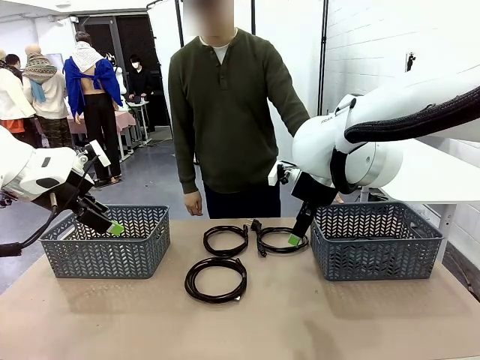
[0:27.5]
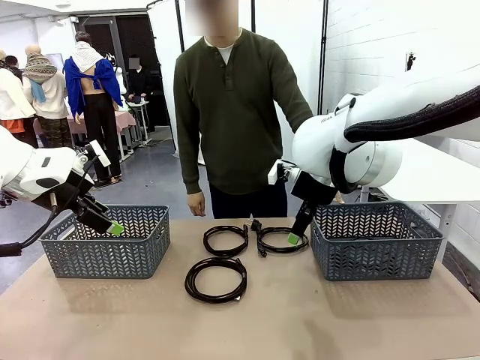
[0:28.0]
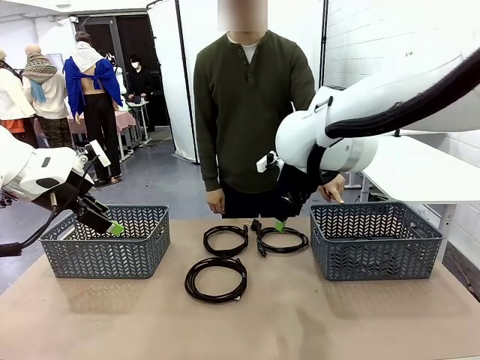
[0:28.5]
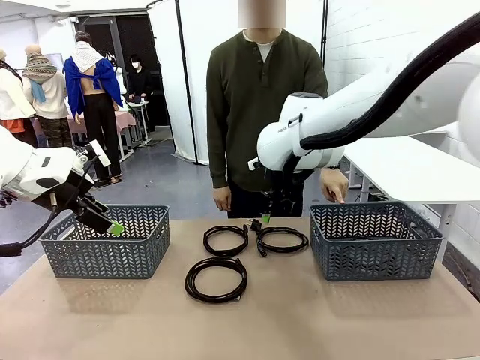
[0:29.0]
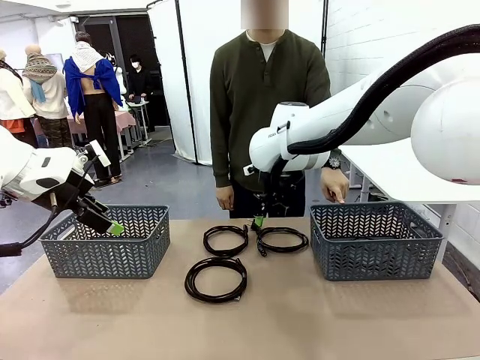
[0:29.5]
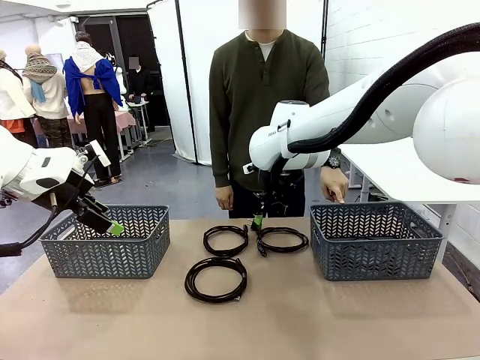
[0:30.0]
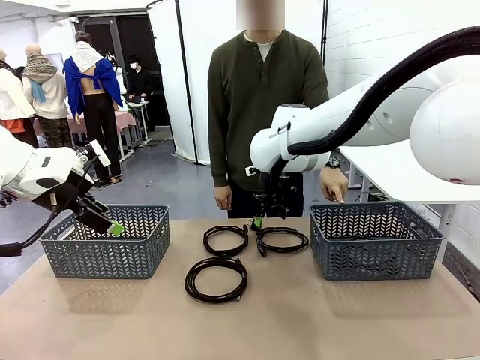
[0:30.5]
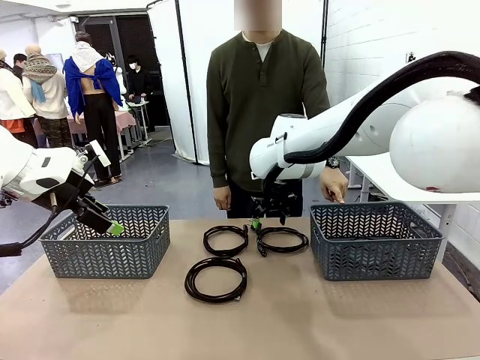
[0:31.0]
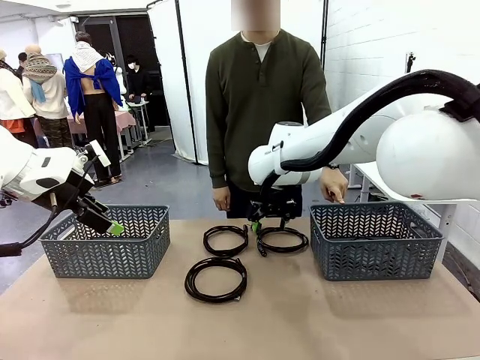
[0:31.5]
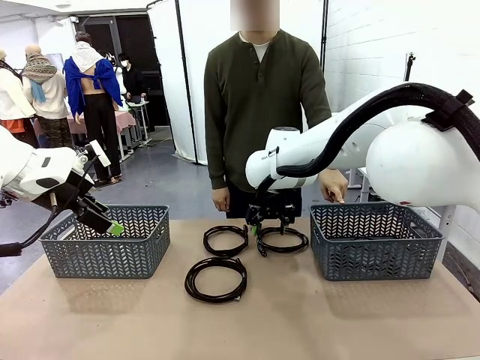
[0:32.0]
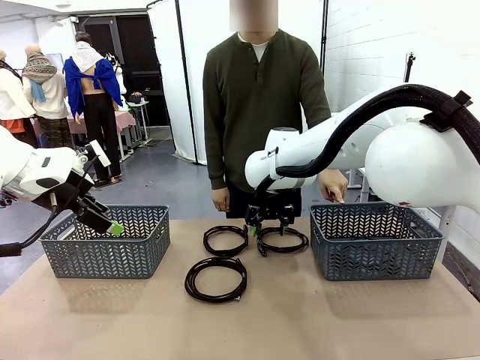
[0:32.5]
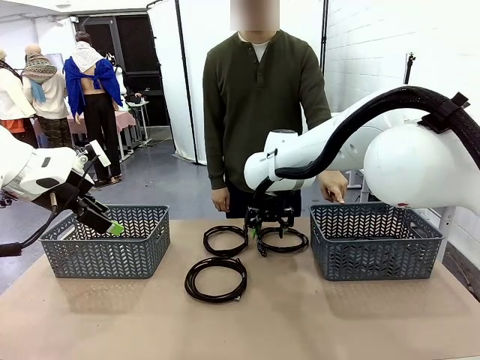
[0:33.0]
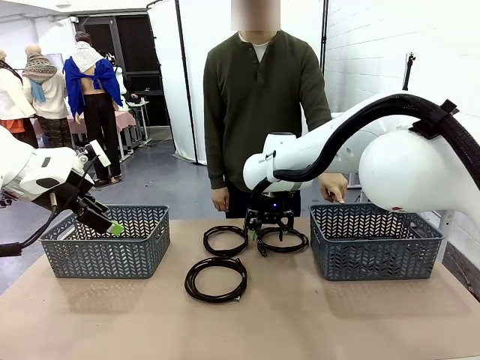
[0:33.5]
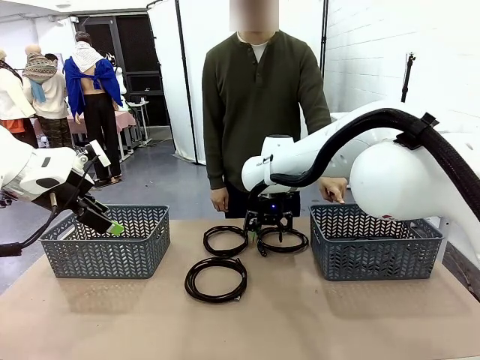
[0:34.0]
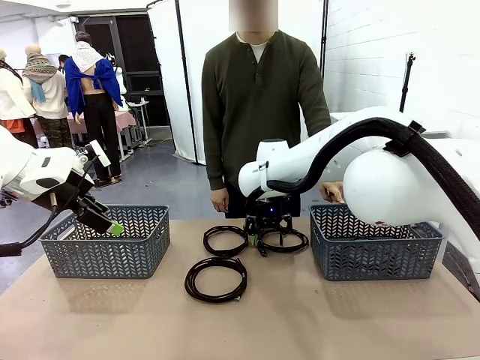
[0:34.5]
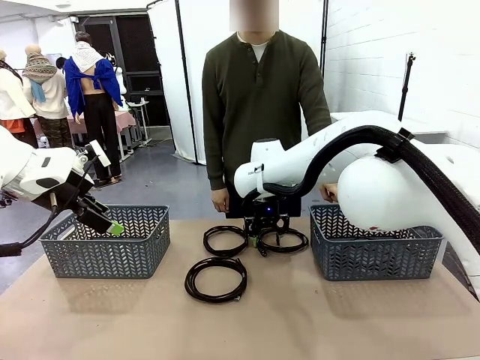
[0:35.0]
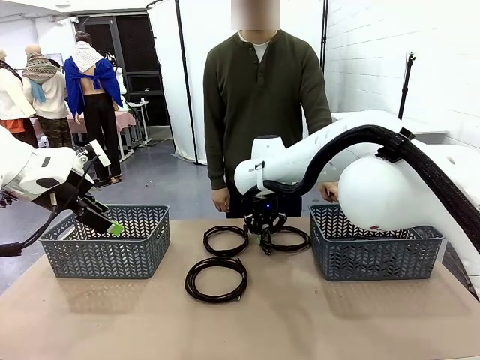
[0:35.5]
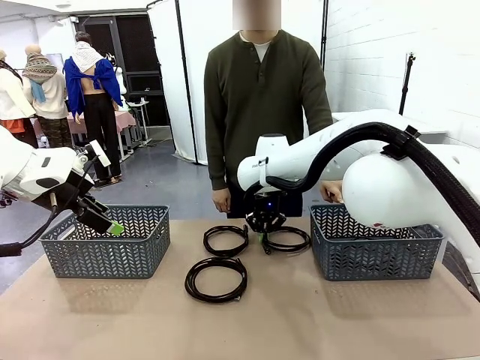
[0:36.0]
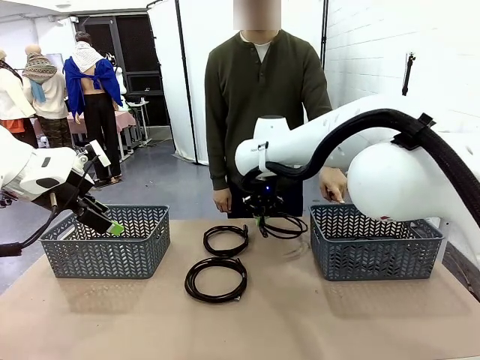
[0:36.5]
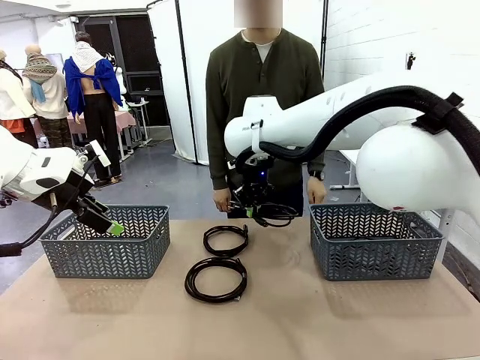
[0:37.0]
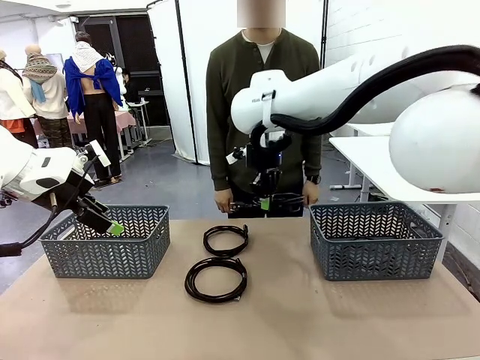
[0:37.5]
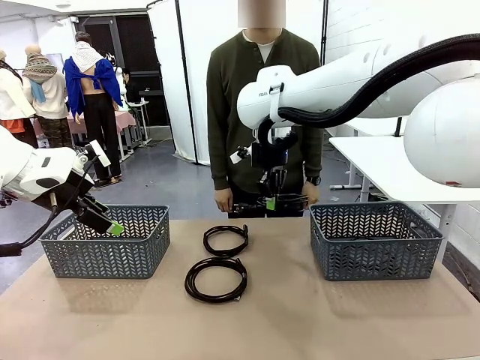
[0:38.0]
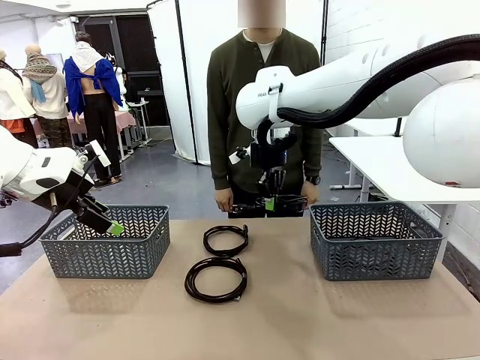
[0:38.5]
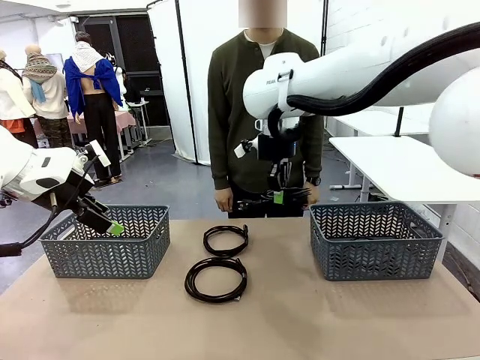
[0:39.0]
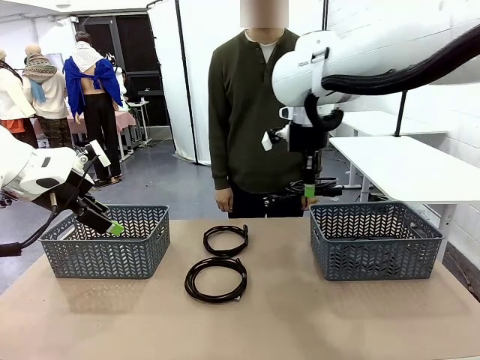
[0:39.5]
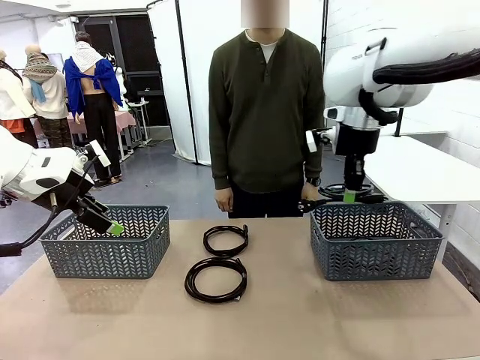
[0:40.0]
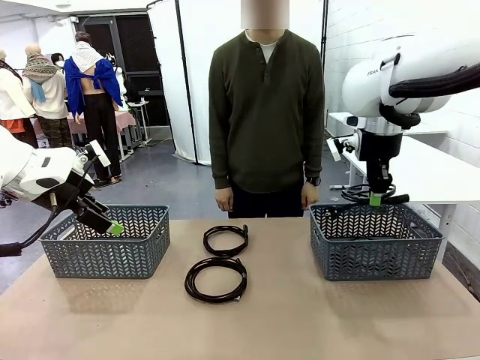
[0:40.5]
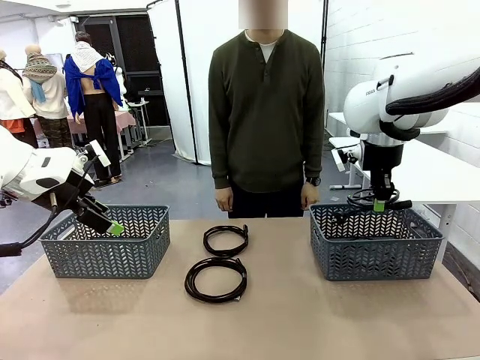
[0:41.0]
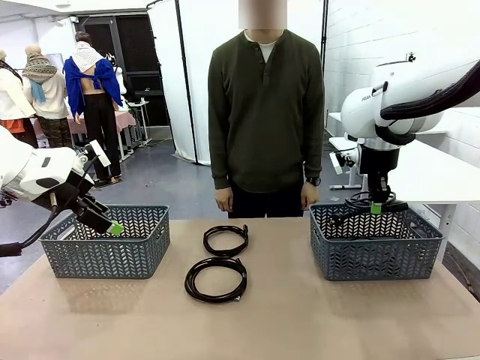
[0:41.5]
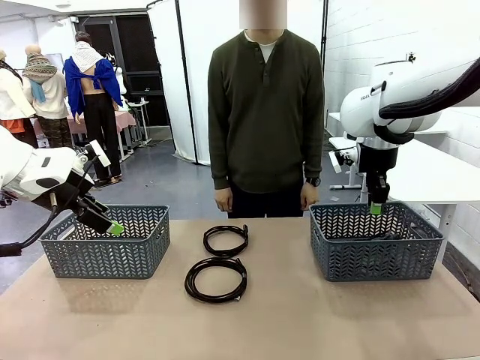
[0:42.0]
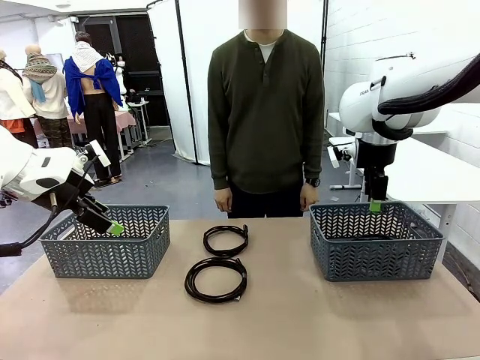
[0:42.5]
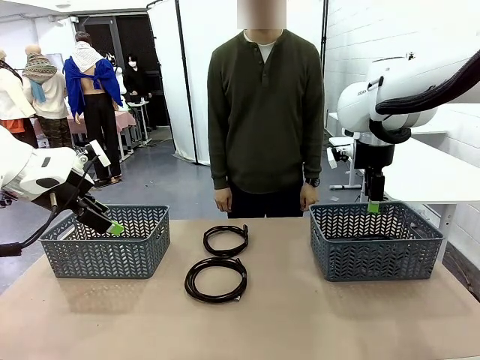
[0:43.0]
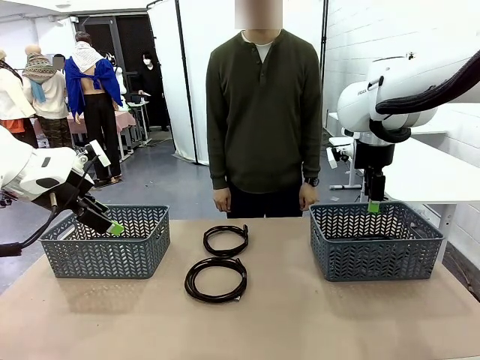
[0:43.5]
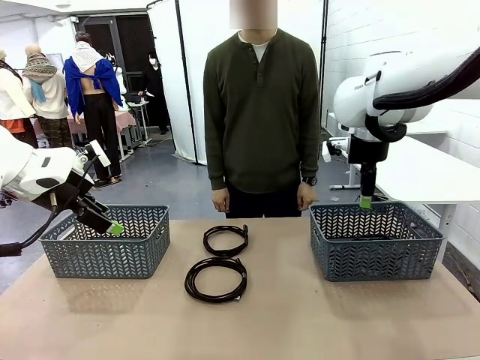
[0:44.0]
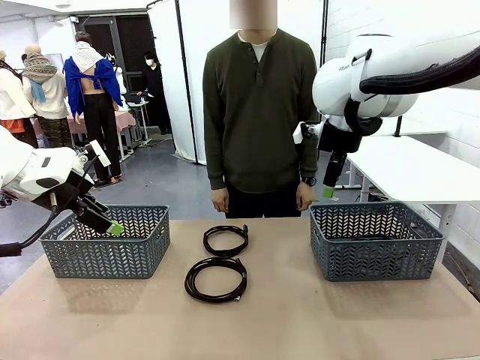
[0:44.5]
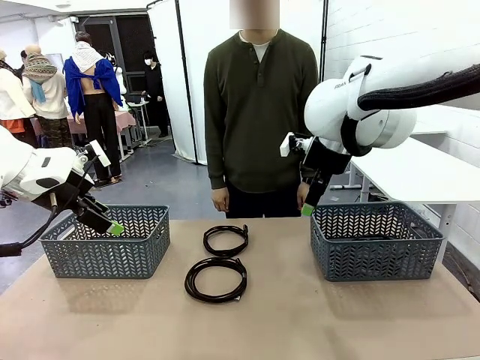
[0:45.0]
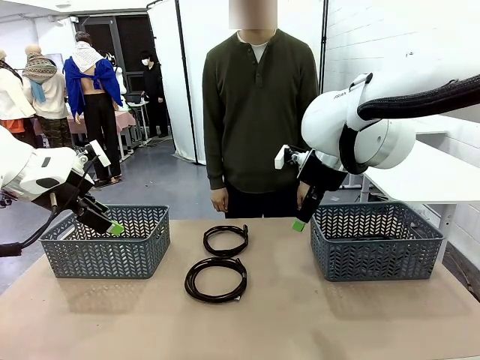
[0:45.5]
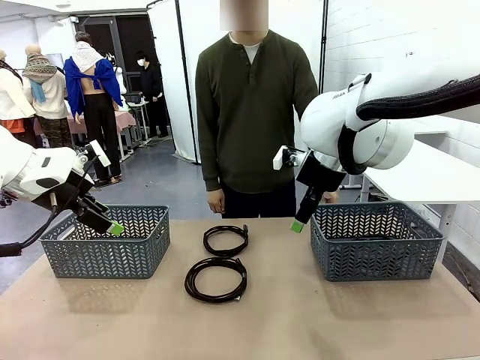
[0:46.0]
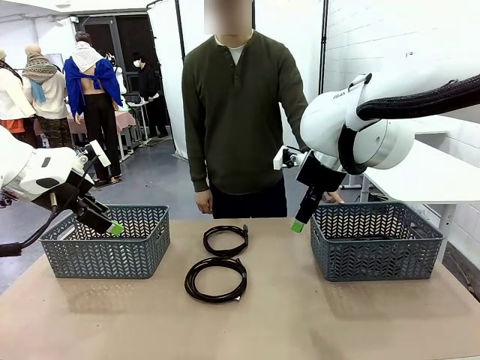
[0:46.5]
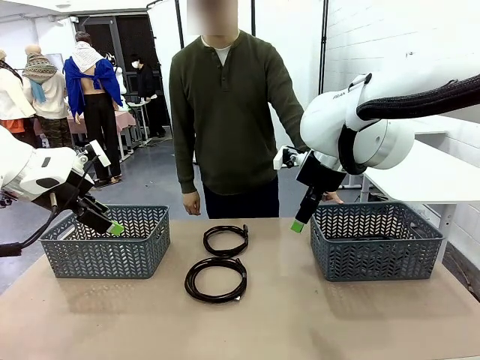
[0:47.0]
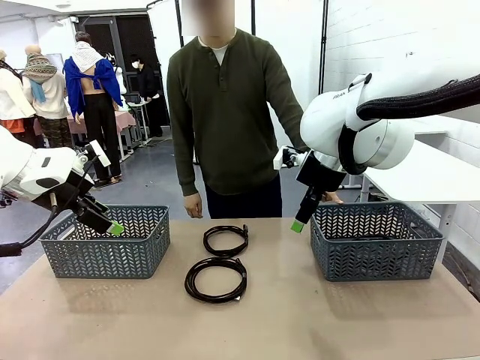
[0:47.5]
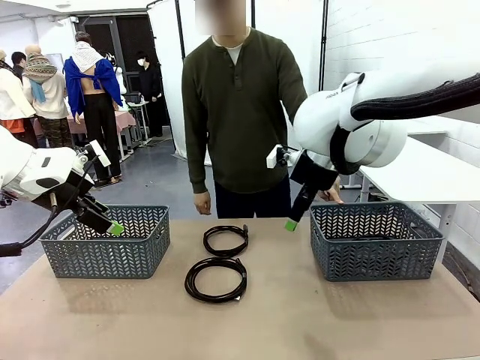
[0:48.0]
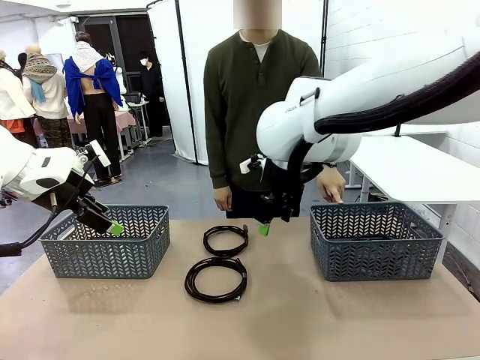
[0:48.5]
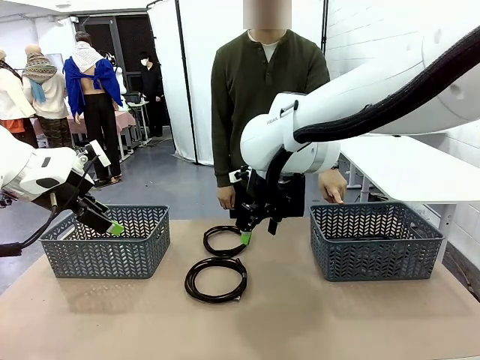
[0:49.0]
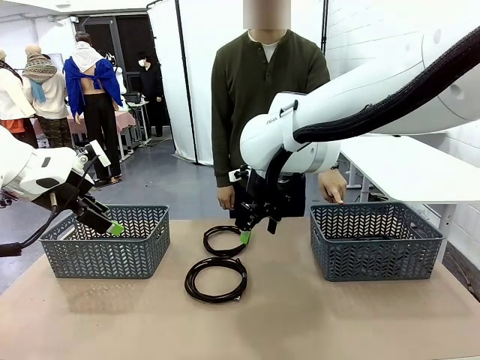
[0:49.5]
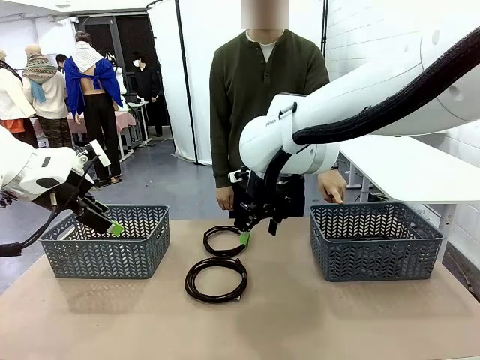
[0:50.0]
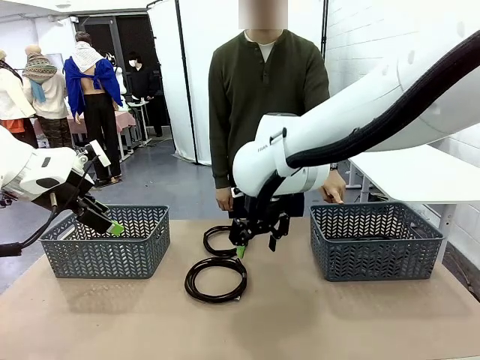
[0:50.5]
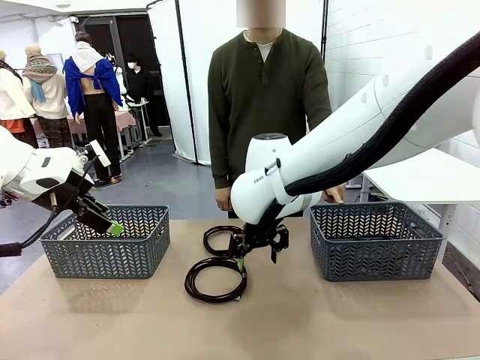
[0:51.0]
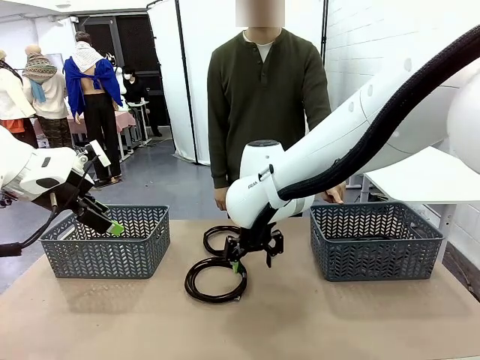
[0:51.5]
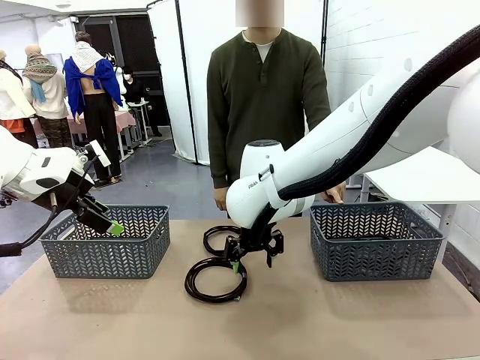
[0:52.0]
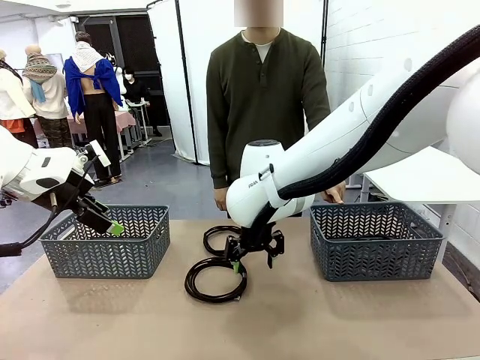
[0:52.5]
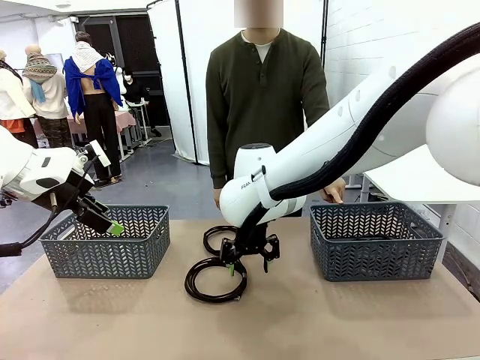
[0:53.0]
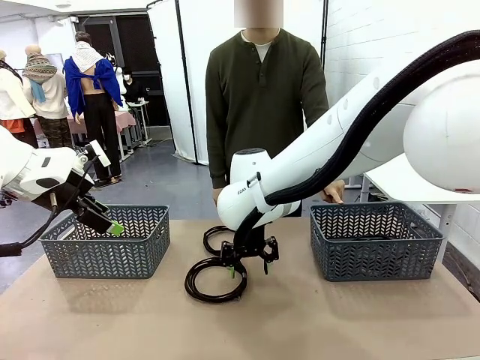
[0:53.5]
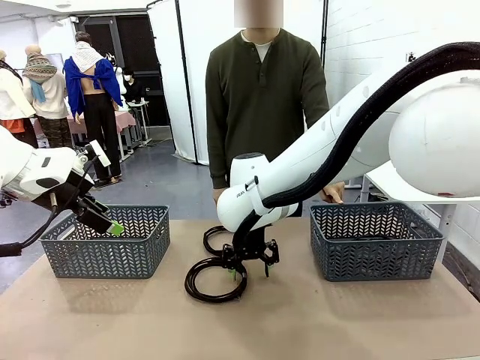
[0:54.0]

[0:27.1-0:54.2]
Task: Organize the cables according to human instructions.
Robot: Pick up a bundle of cables and place it in the basket indicated by the human.
